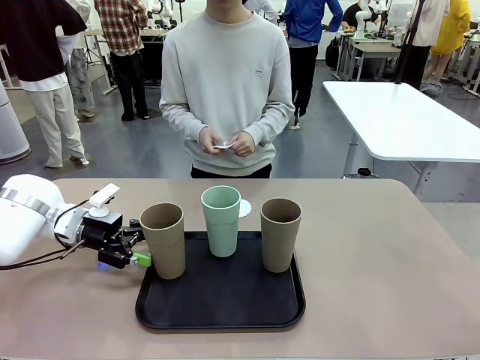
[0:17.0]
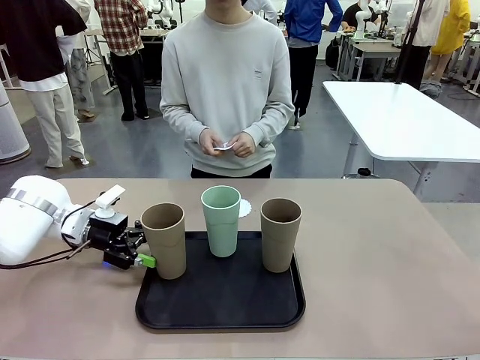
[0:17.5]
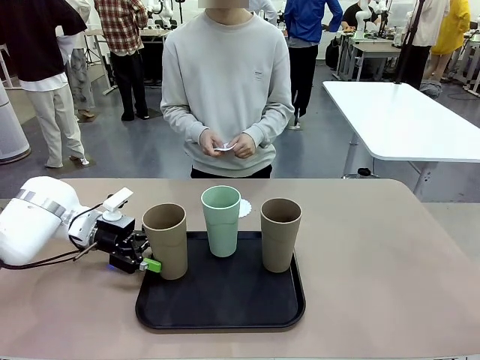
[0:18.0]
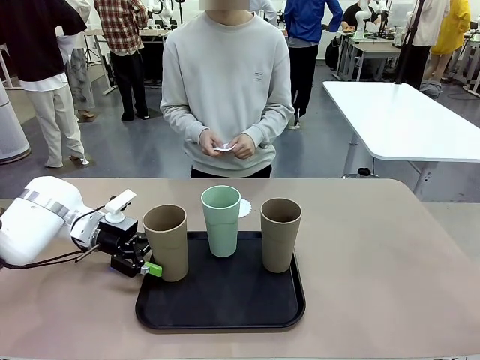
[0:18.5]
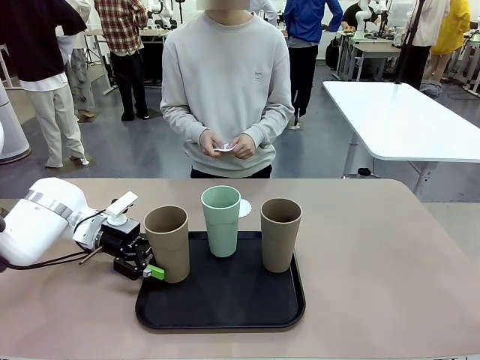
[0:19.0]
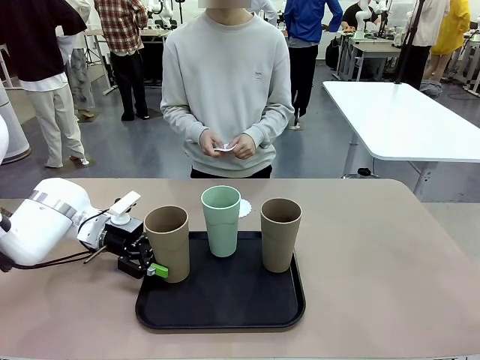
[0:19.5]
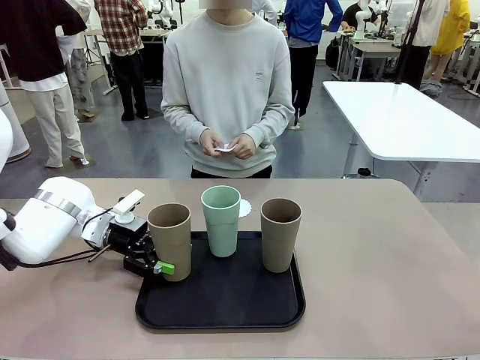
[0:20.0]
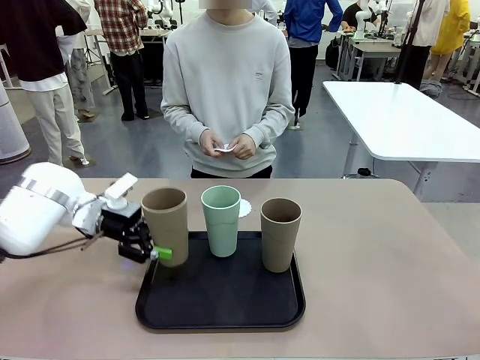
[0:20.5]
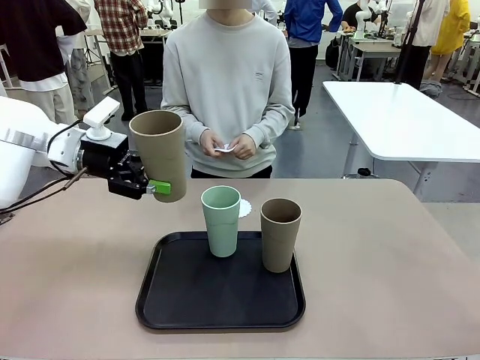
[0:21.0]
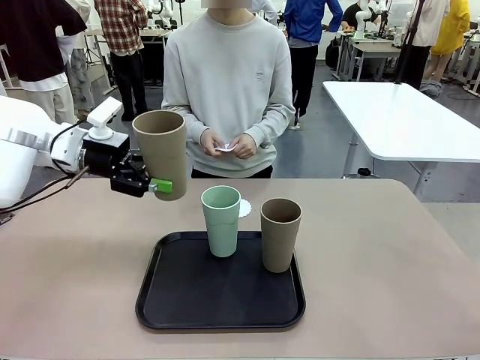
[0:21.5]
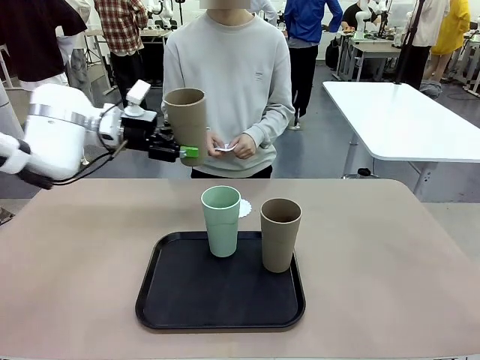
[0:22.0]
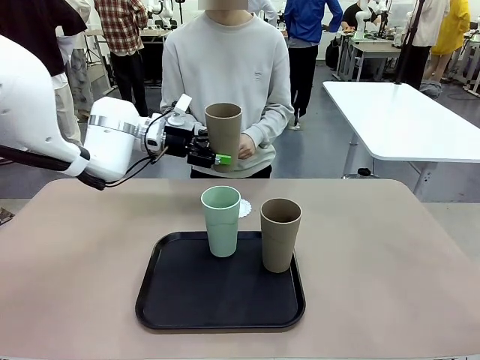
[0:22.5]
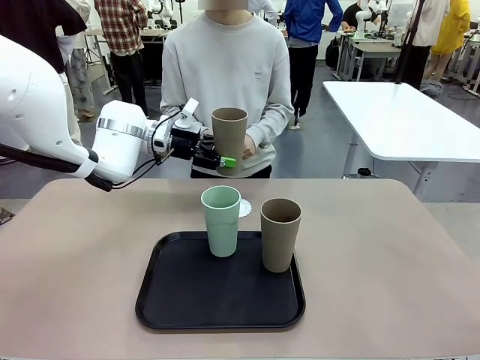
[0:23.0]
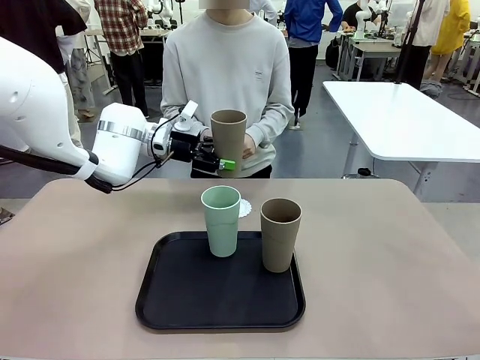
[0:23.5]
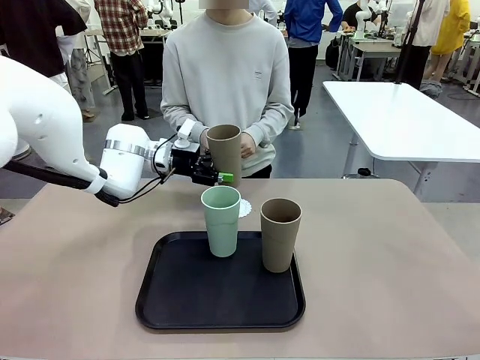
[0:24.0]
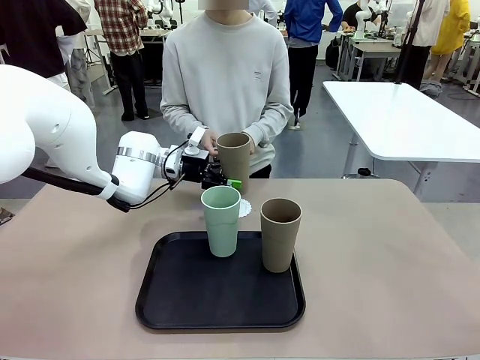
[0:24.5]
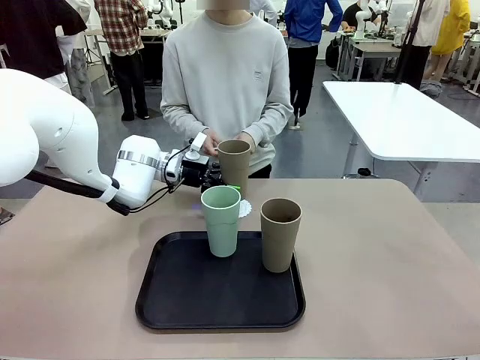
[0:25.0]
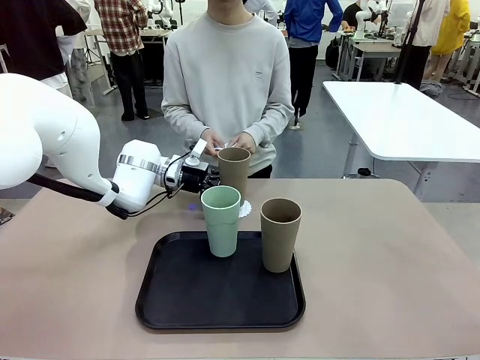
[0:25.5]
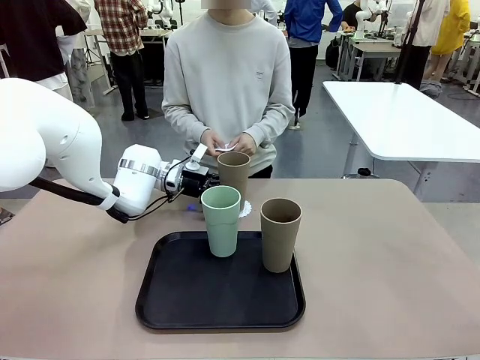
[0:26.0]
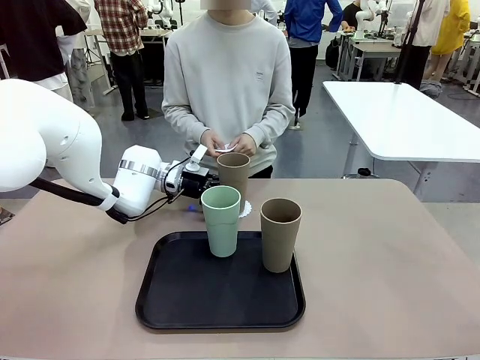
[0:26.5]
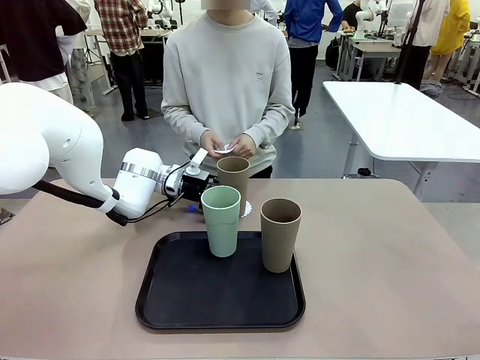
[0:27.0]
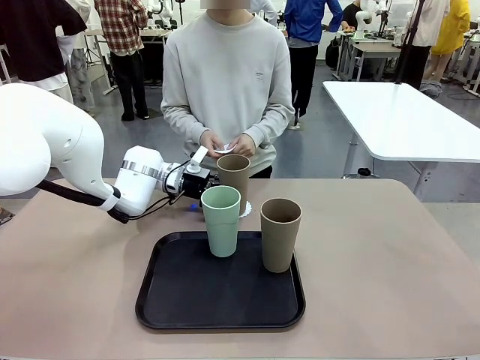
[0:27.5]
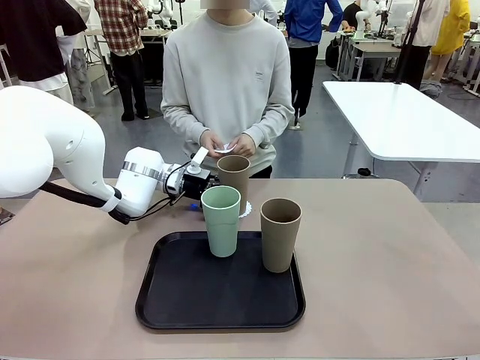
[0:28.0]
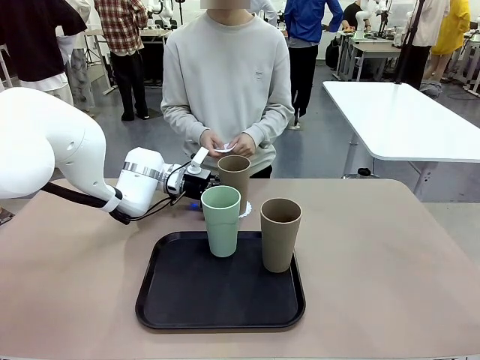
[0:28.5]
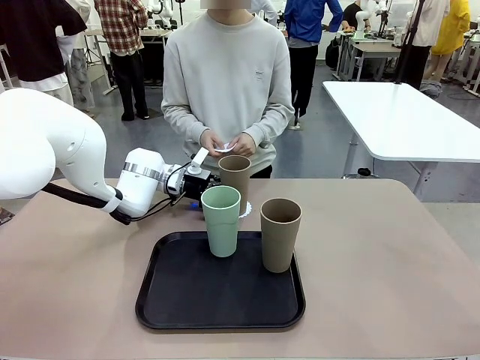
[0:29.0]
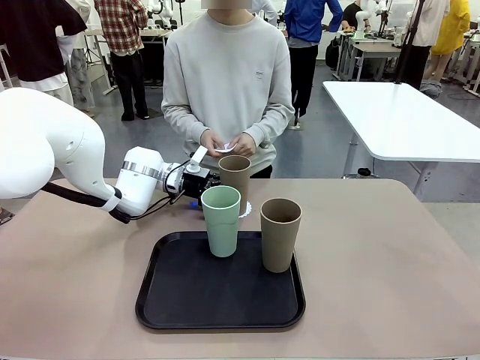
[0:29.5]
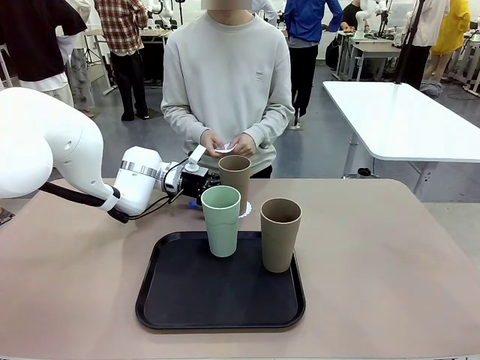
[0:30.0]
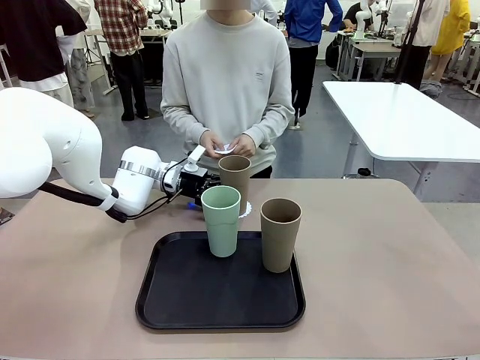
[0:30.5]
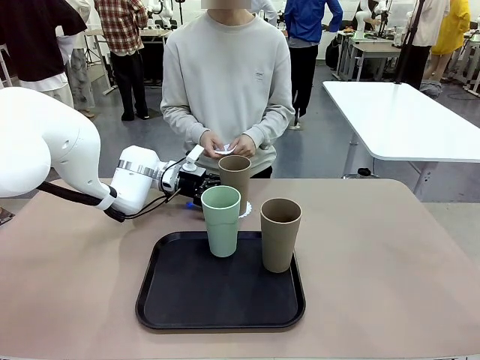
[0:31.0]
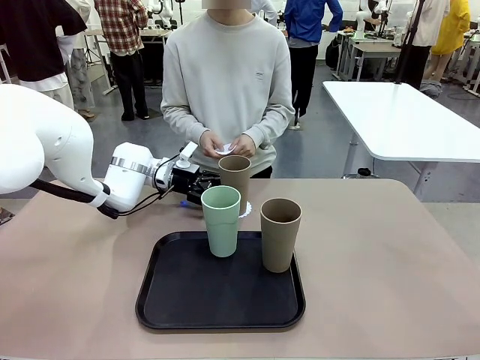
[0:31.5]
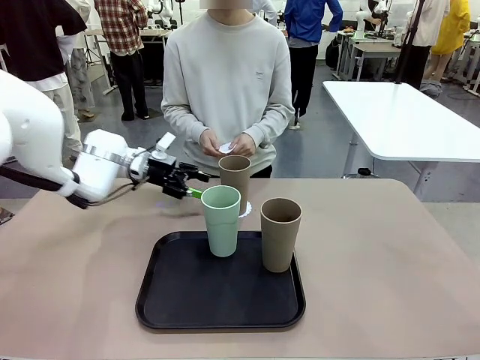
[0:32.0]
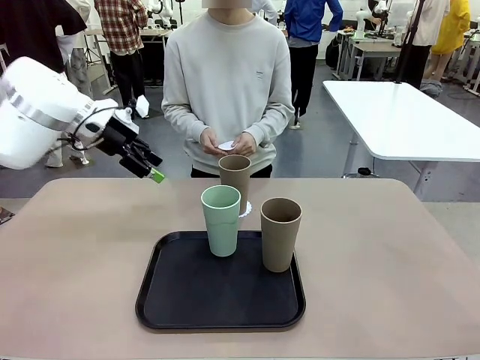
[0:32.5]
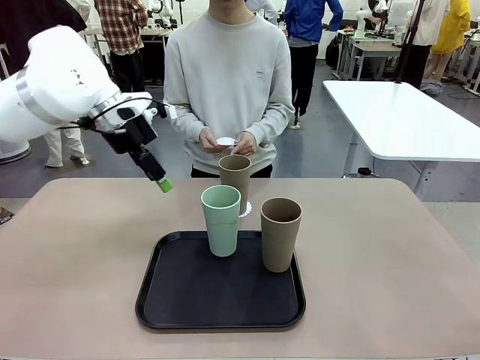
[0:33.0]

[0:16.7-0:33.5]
Task: Place coasters on the table and set cups on them.
Robot: Pick up one Reusable plastic cup and place it on a coaster set by the human.
Person: Place one coaster in one of the two areas excluding the previously selected area.

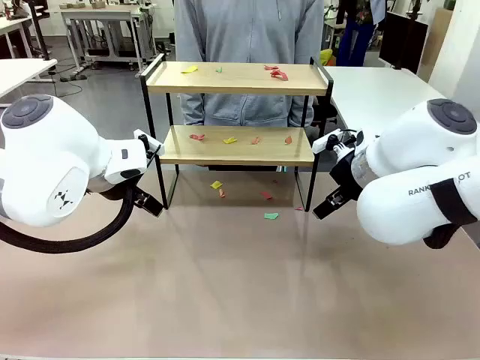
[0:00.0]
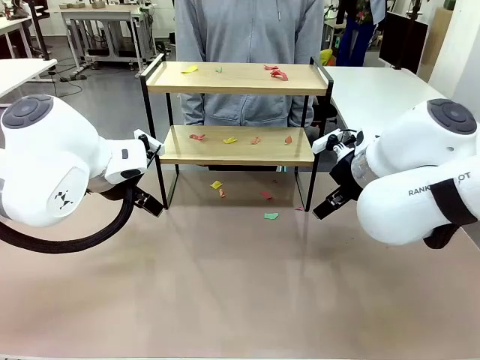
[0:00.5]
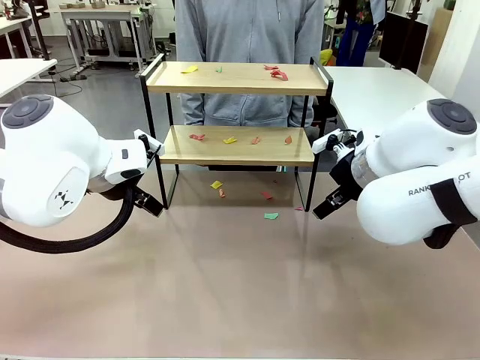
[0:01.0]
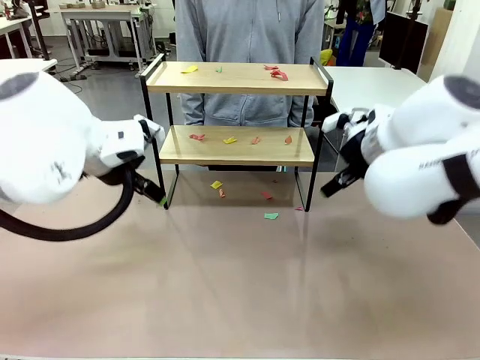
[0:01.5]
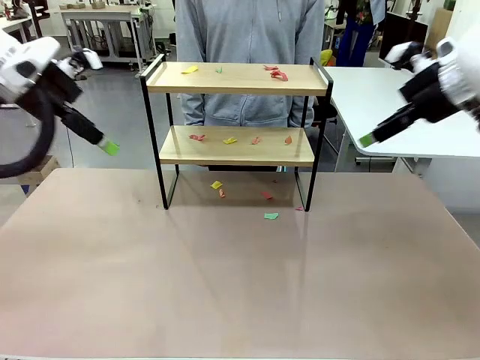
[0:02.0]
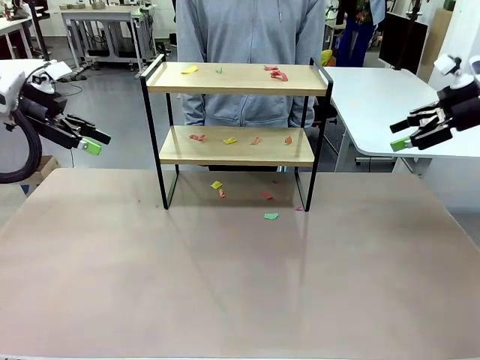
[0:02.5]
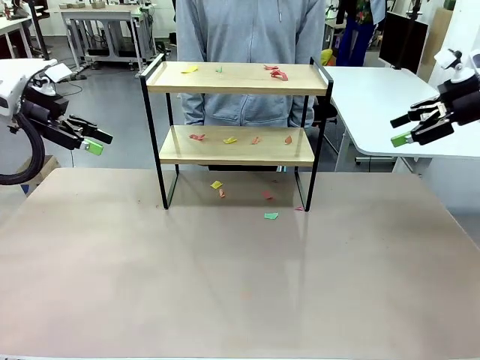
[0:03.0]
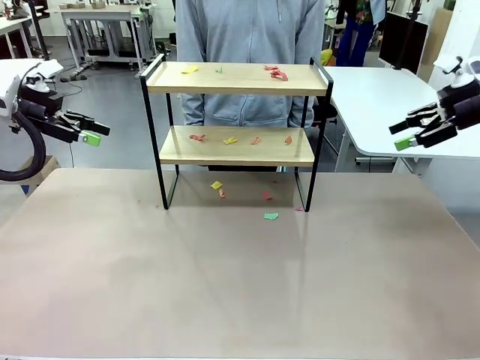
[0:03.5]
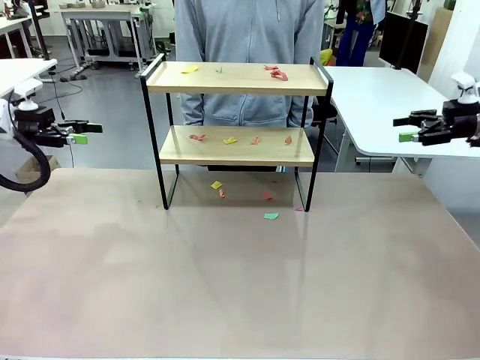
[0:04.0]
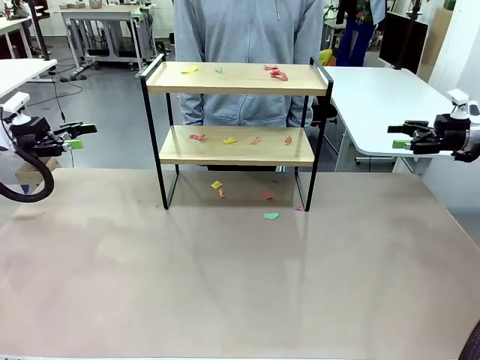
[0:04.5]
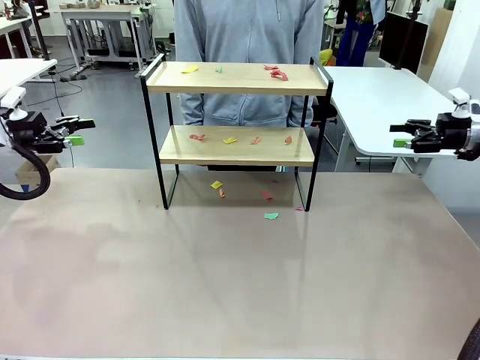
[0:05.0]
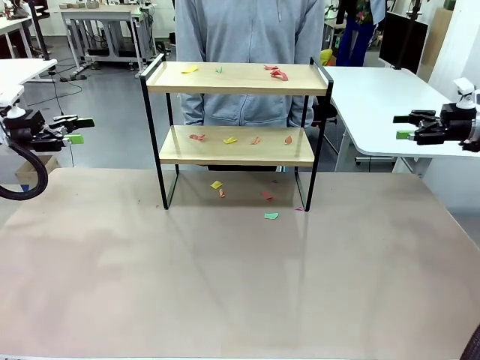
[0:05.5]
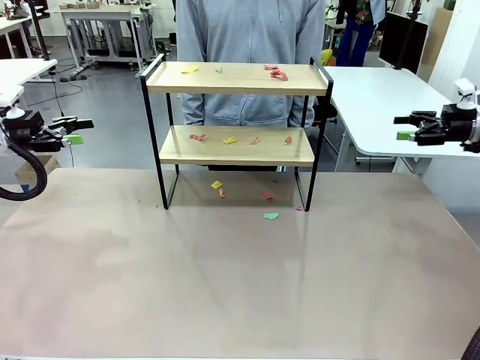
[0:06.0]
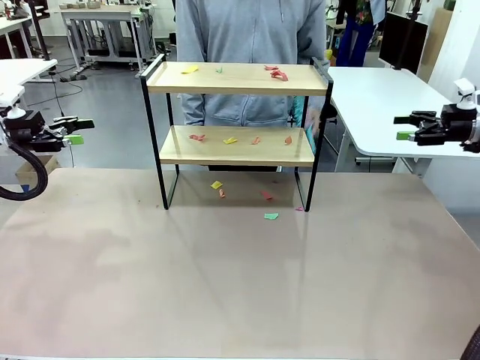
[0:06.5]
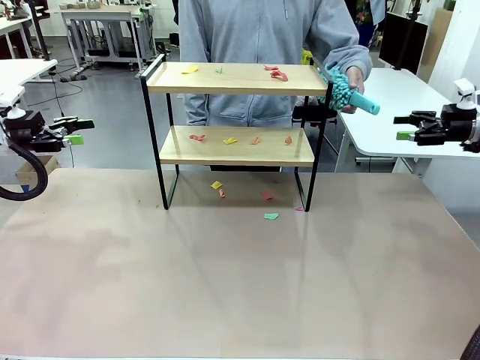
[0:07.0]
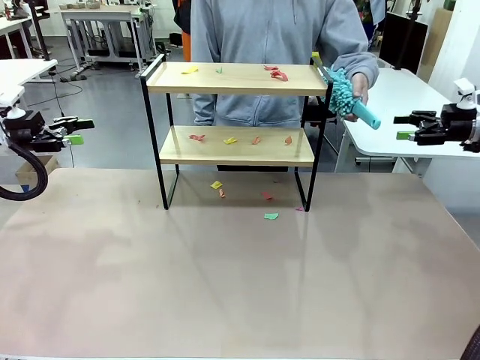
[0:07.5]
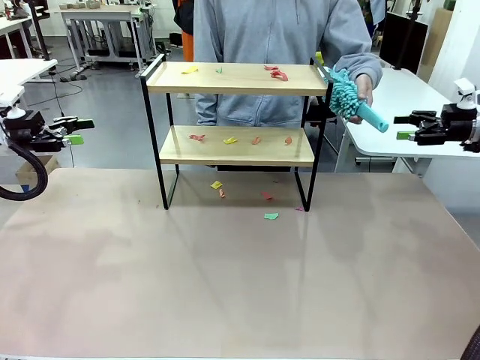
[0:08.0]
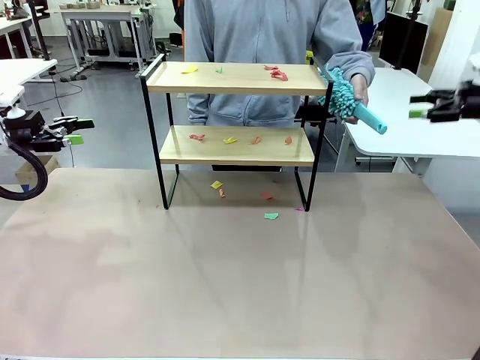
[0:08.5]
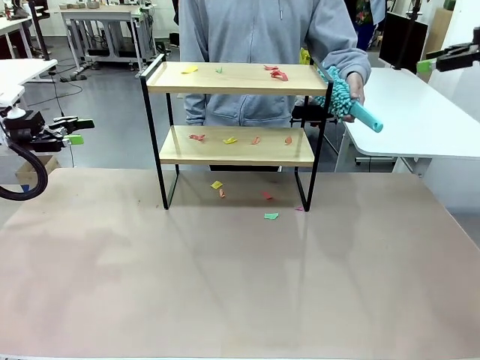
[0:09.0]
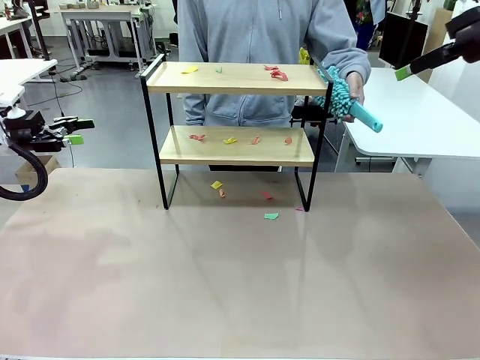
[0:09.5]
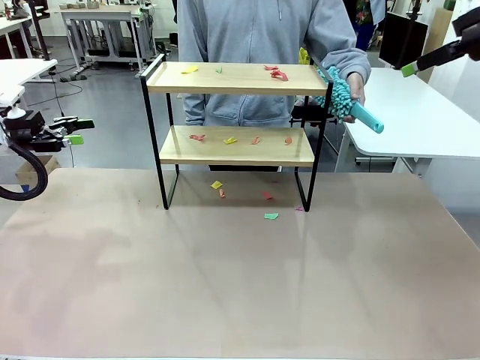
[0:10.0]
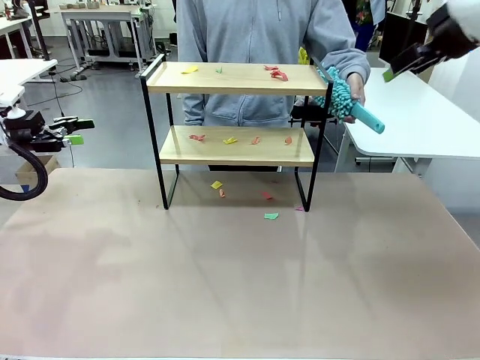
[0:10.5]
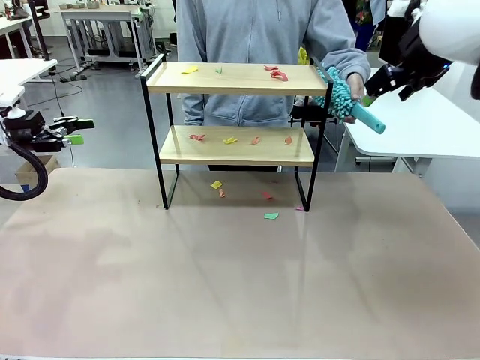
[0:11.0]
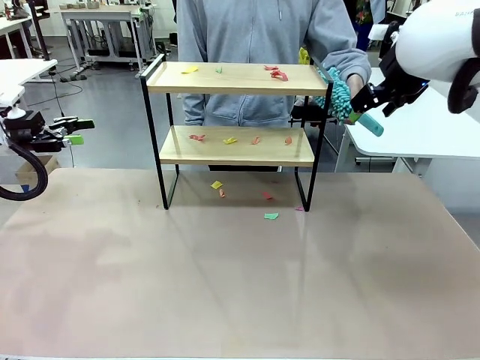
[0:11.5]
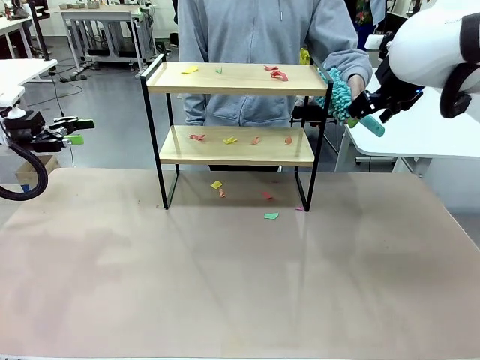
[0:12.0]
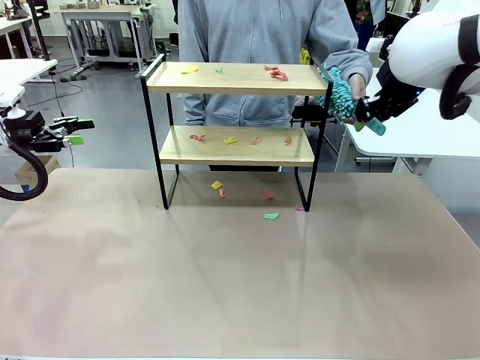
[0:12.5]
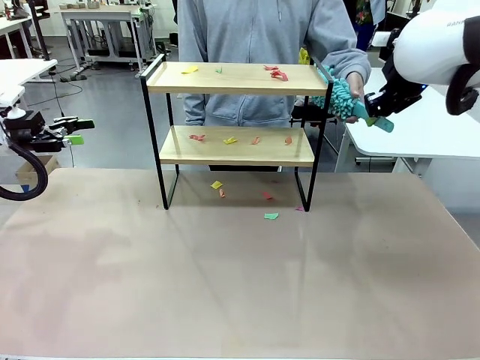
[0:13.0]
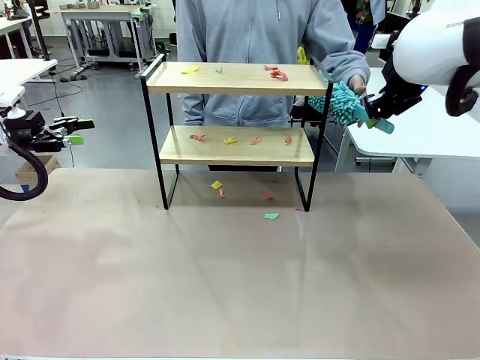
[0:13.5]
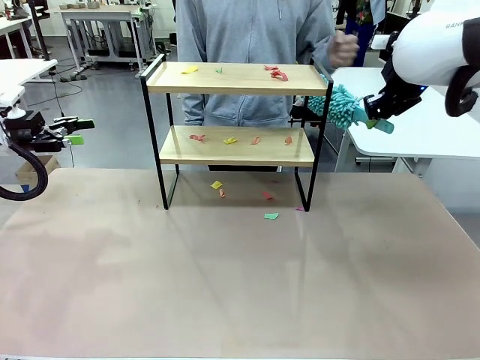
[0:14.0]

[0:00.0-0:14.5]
Task: Clean the shelf.
Robot: Pick up the Duster handed by the human.
Person: Hand the Duster to the robot.
